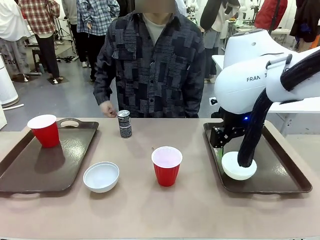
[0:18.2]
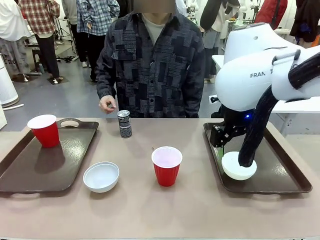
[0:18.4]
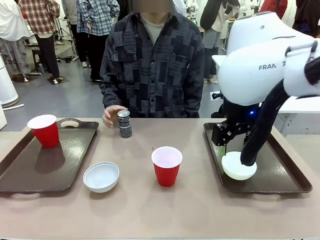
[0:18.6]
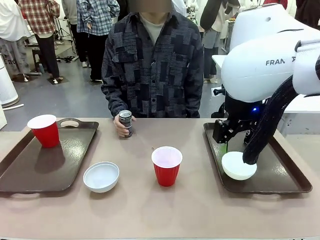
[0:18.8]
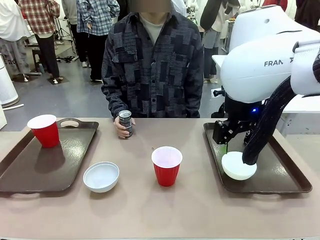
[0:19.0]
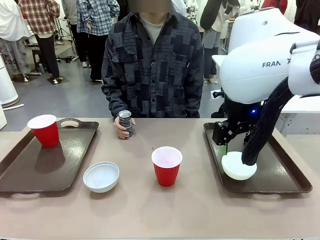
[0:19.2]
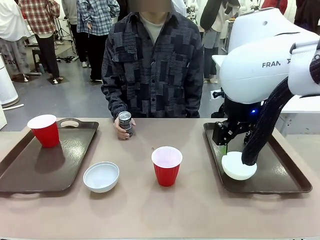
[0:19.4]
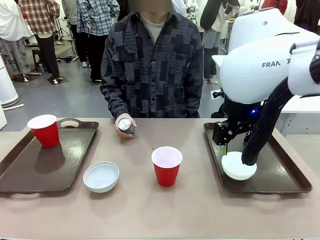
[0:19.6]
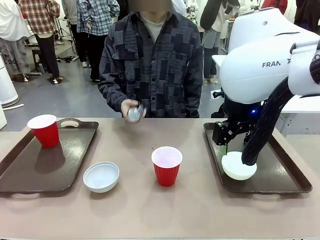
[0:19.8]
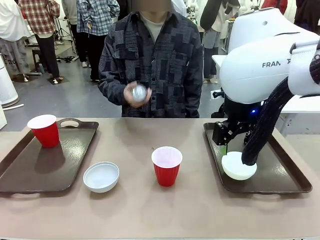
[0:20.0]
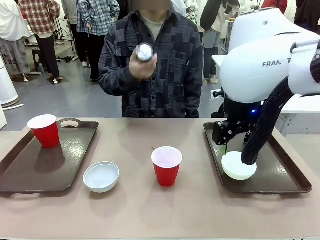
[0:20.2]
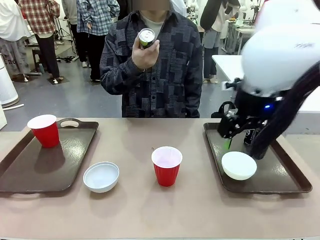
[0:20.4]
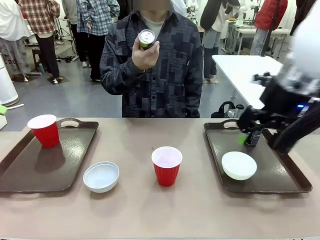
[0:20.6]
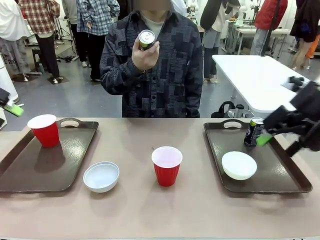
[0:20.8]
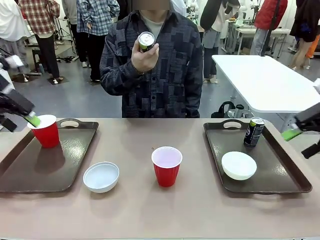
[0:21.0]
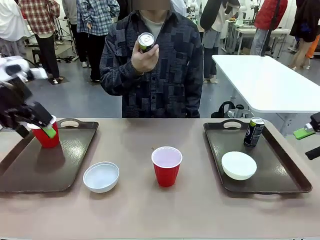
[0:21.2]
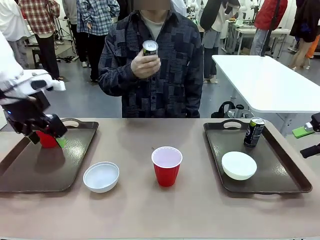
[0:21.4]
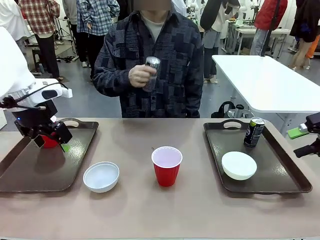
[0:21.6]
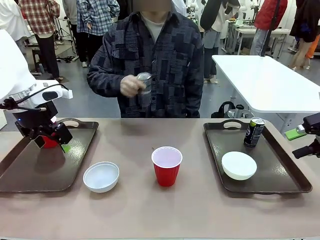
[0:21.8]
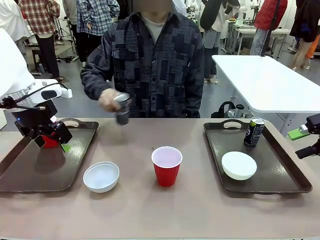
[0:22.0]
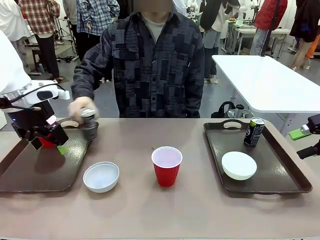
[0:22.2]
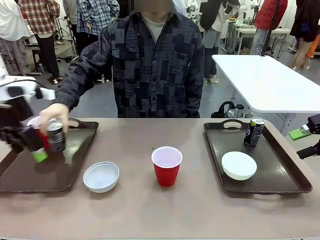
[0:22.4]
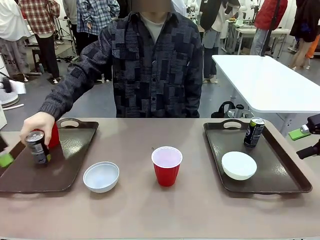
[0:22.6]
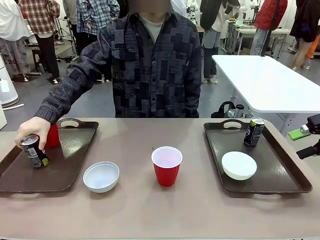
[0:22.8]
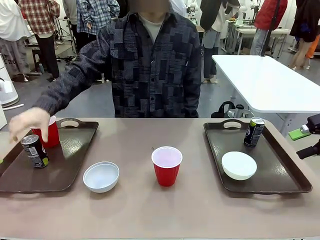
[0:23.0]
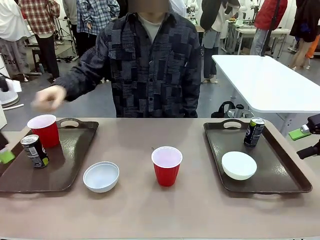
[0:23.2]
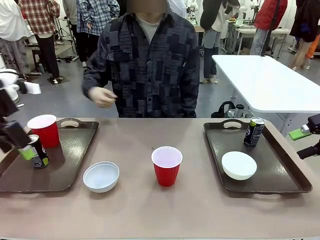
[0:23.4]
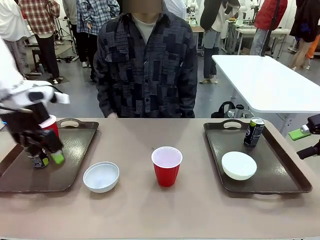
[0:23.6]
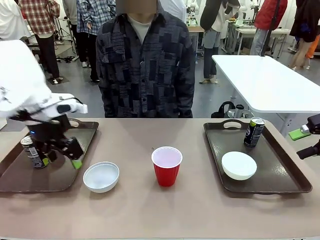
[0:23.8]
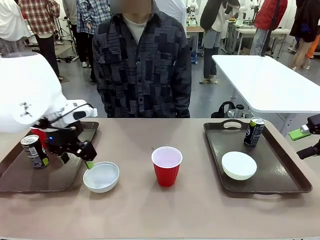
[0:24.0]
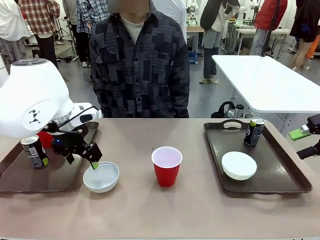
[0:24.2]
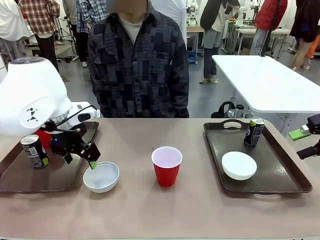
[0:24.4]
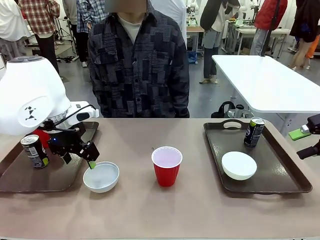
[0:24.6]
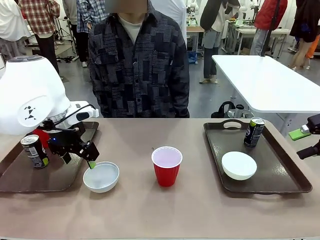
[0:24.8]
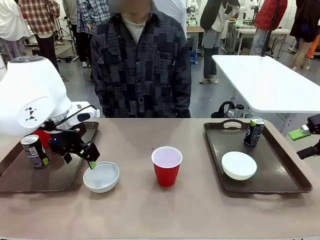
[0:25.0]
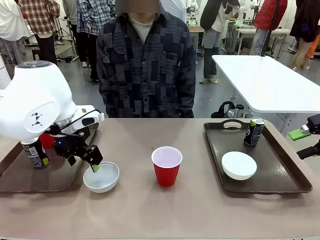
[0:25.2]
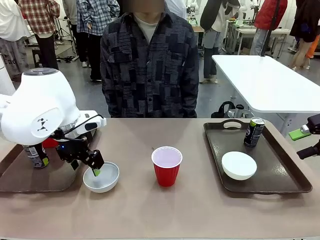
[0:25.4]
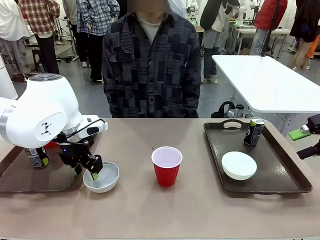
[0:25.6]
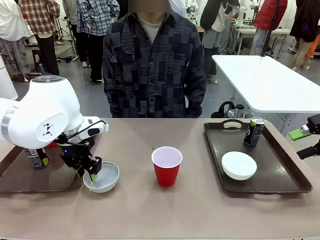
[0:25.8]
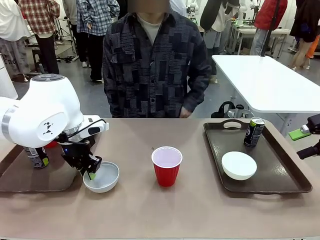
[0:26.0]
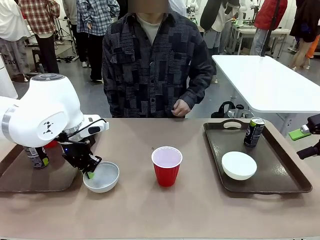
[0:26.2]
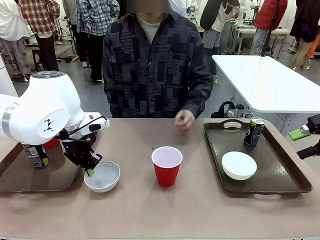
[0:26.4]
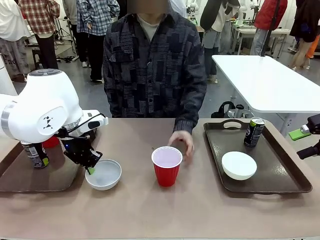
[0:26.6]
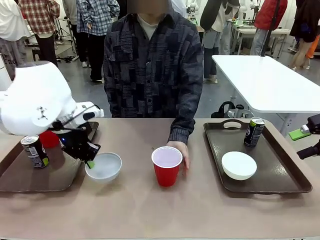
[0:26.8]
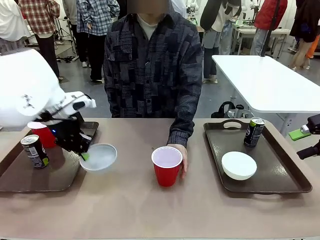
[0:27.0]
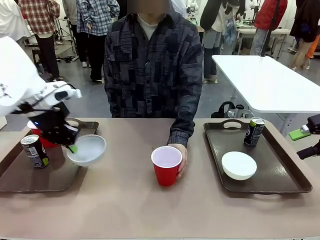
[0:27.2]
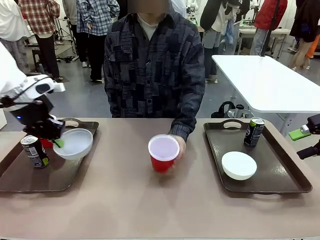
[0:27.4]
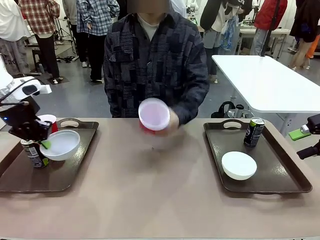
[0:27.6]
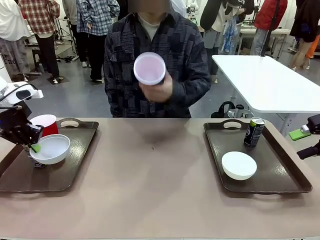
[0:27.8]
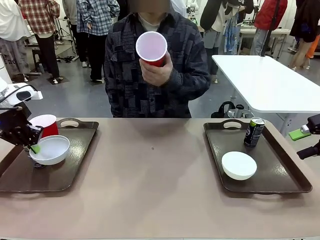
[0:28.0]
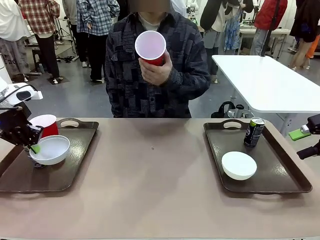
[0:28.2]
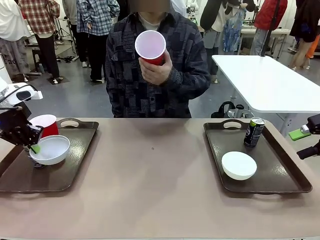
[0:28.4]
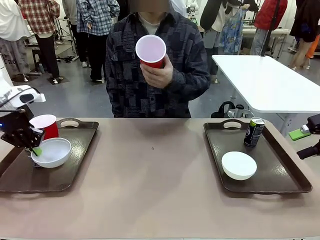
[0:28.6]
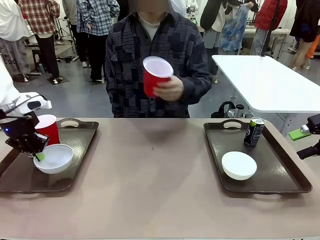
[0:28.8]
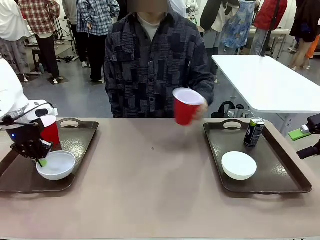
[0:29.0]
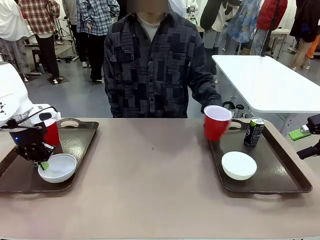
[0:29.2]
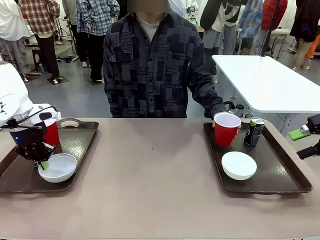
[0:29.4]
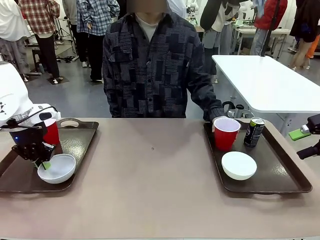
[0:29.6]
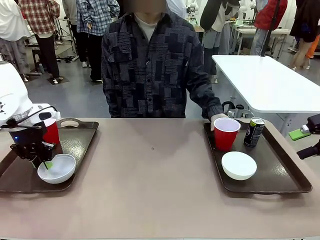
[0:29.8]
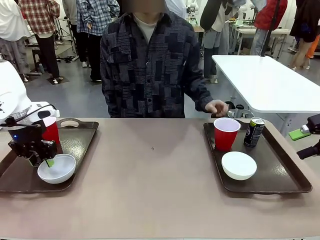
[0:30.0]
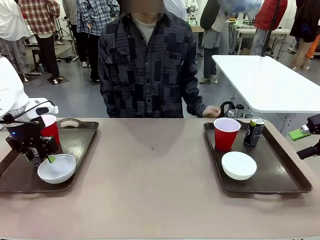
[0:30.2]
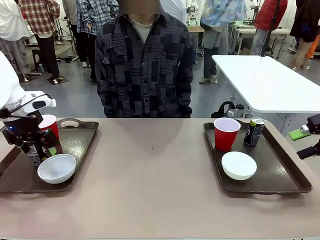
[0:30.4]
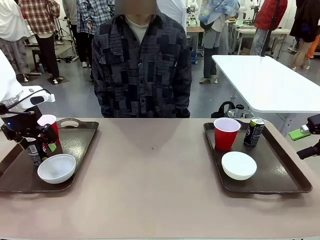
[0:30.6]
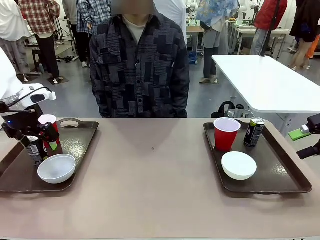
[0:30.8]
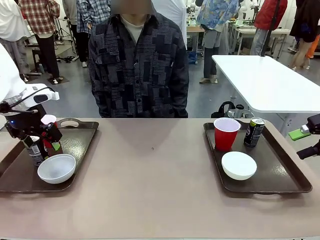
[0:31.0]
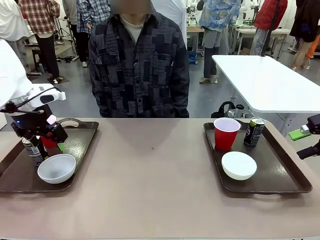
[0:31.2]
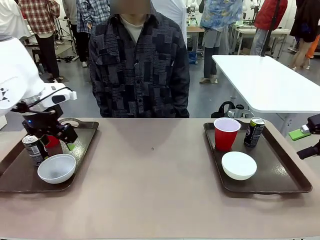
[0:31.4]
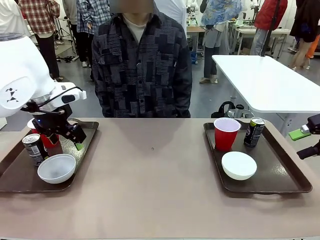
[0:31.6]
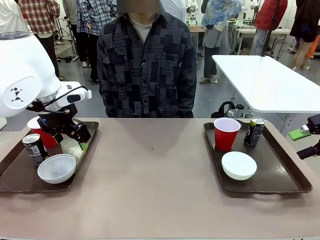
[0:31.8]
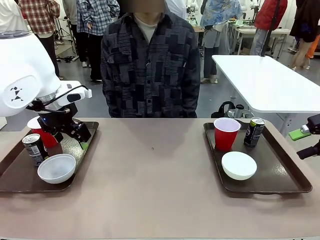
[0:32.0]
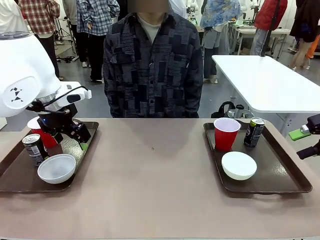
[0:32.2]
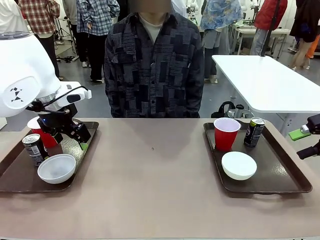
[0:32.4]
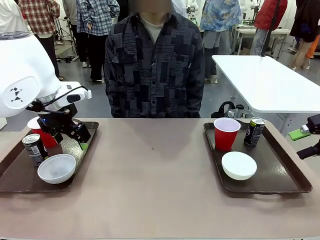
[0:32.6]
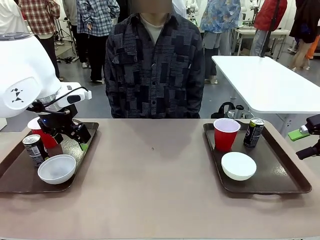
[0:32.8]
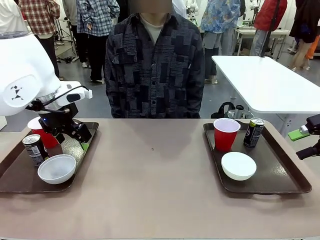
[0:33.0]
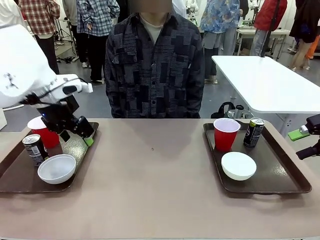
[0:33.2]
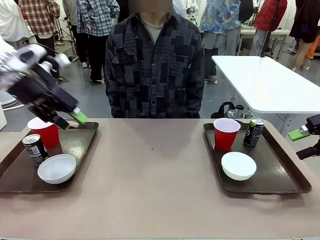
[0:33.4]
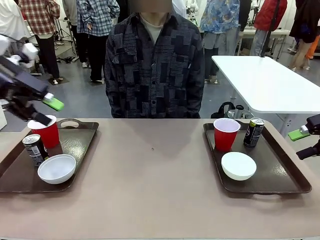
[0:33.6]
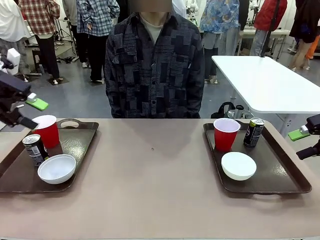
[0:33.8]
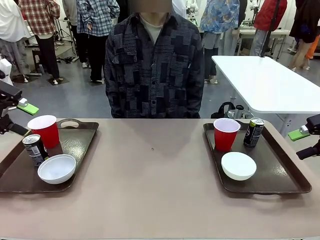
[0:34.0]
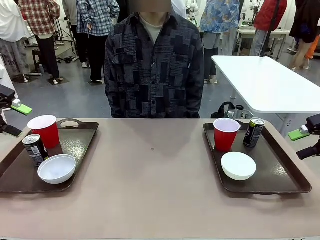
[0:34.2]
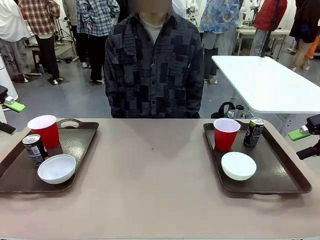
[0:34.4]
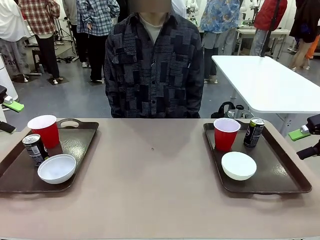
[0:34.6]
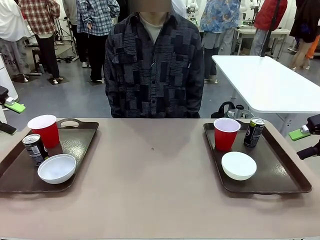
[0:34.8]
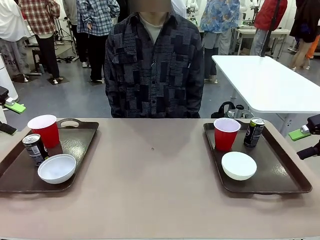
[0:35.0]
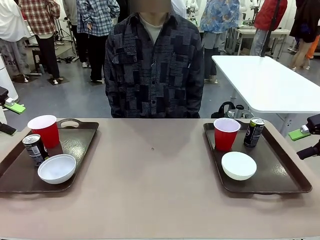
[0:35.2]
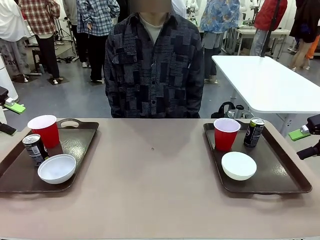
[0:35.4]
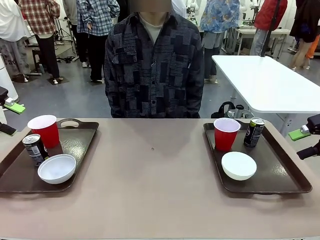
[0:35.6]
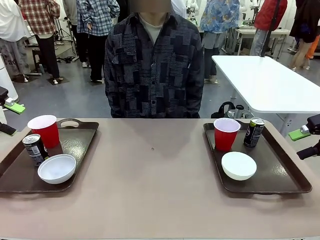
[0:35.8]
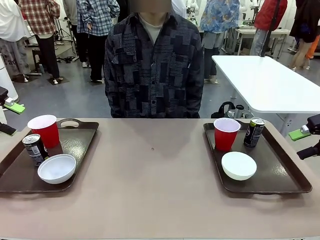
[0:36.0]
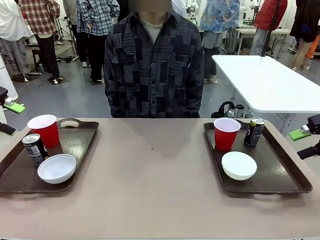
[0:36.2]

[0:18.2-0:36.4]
Task: Prepare tableware on both trays.
Robot: Pick up a Picnic Bowl from the table and place it on a Handle tray.
Person: Pick up a can or cup and place it on the tray without a can or cup.
